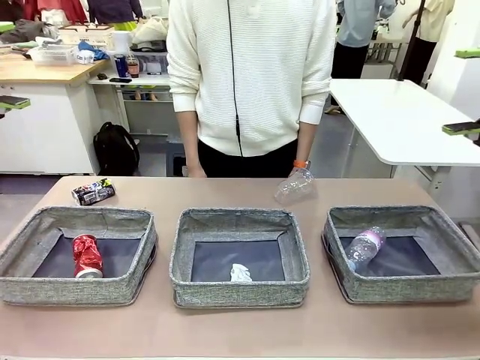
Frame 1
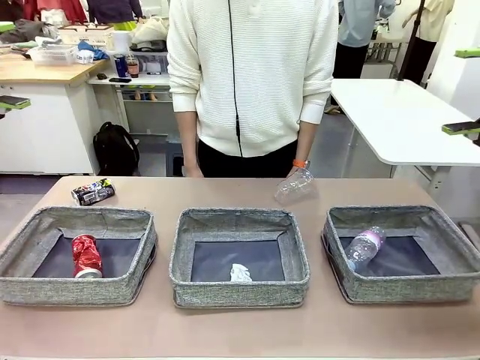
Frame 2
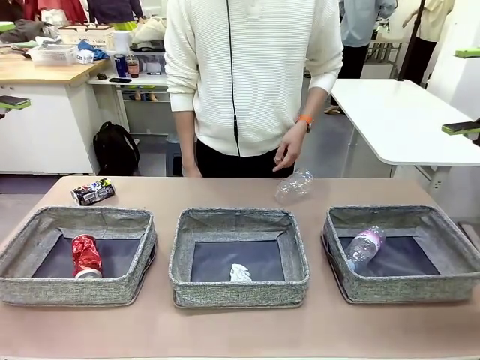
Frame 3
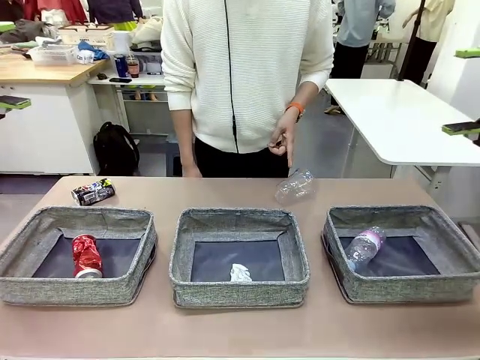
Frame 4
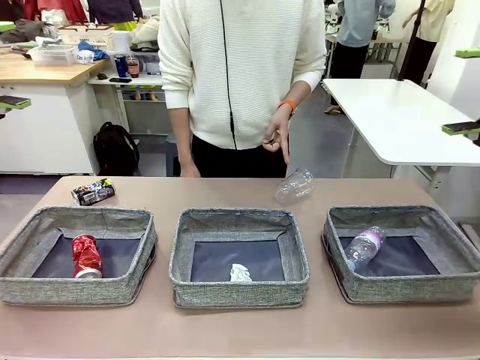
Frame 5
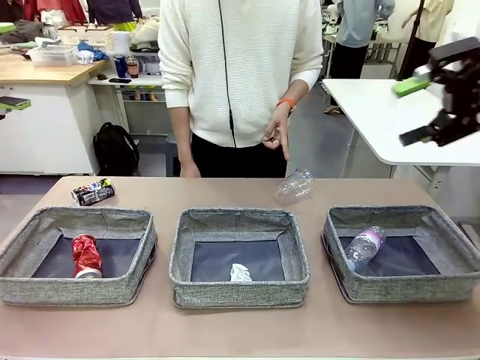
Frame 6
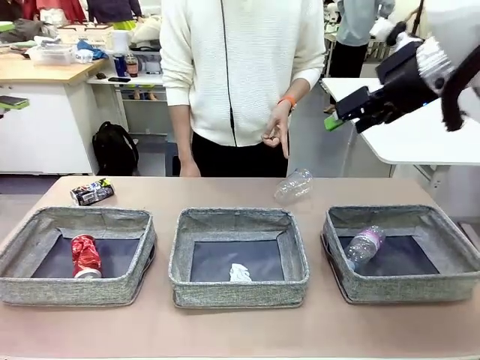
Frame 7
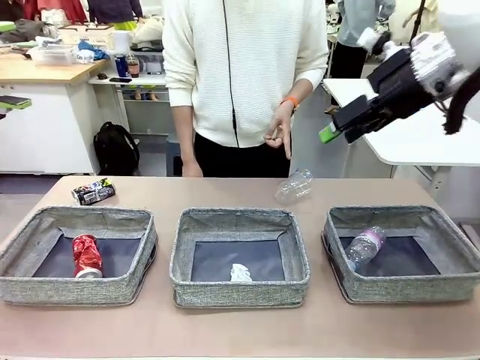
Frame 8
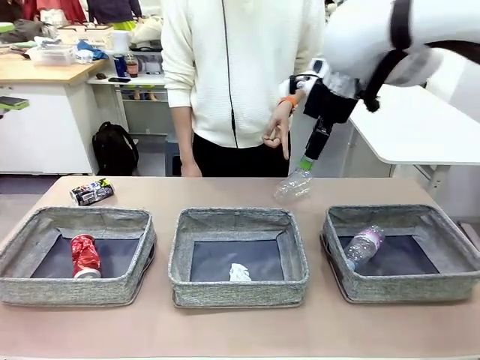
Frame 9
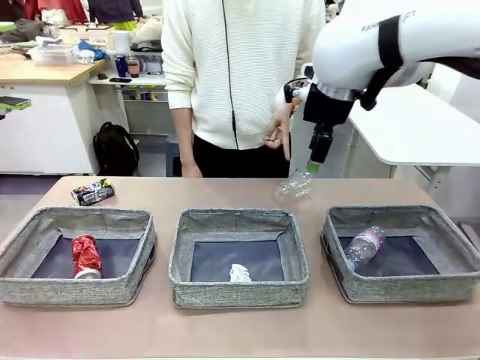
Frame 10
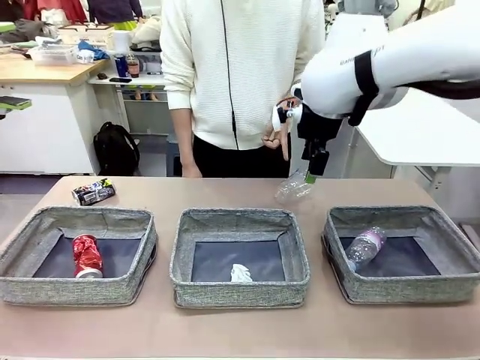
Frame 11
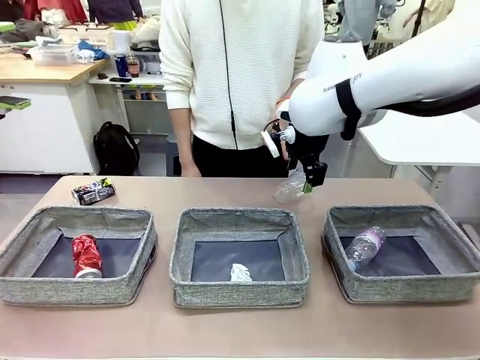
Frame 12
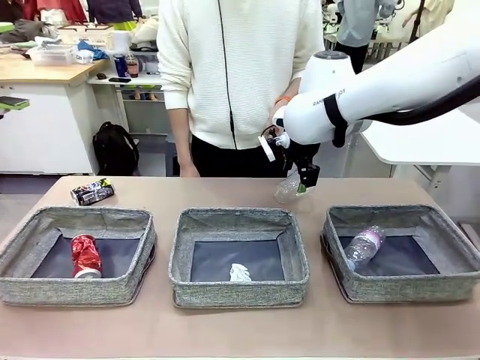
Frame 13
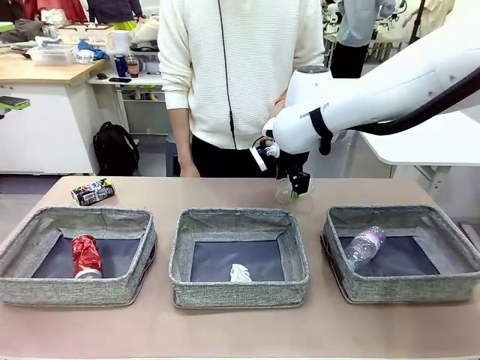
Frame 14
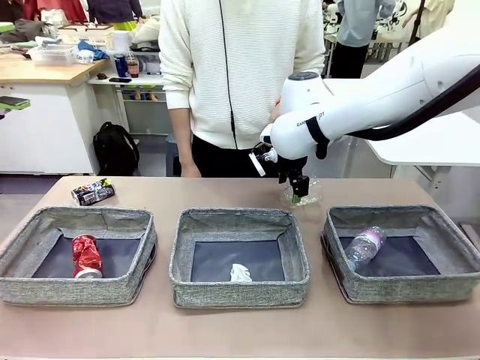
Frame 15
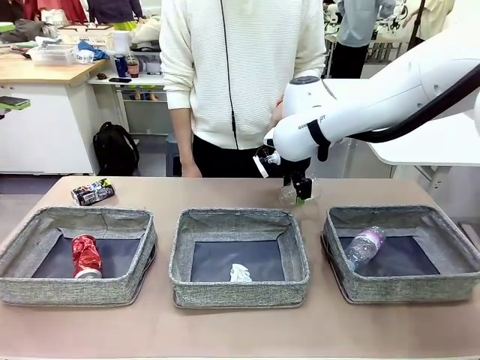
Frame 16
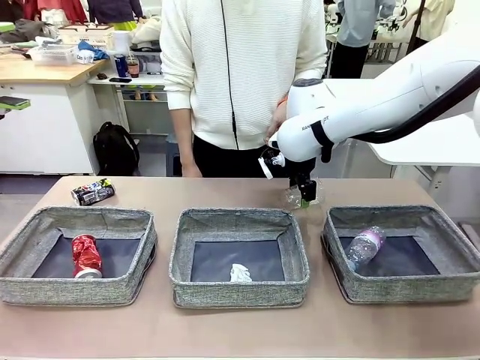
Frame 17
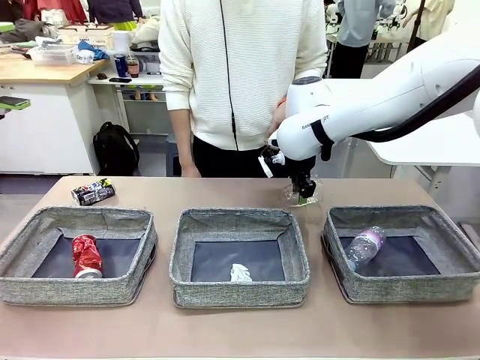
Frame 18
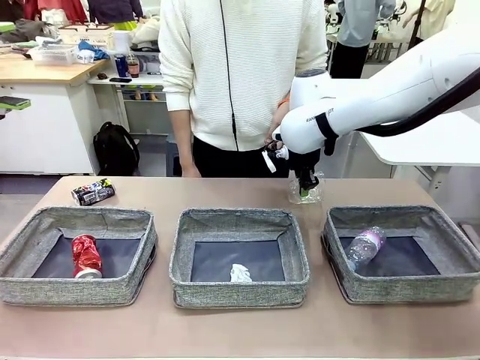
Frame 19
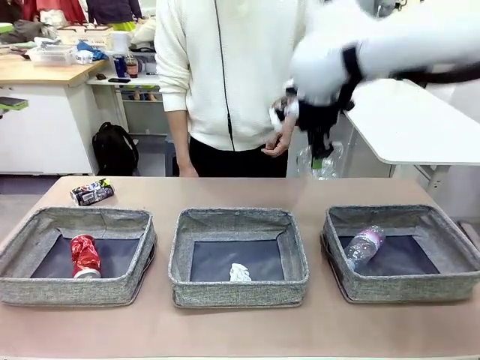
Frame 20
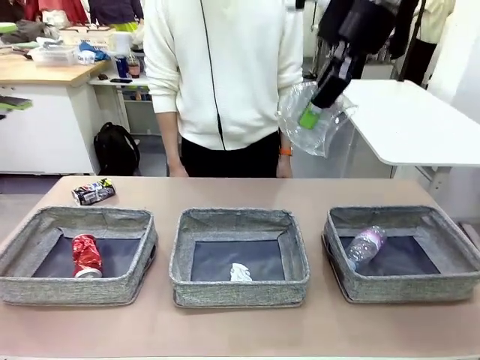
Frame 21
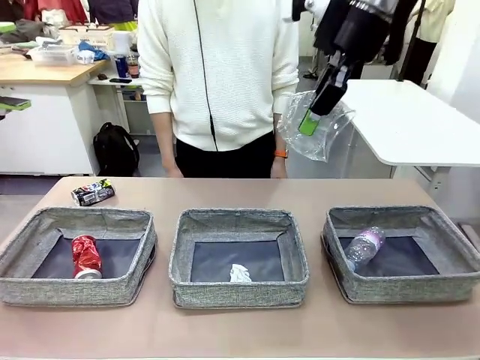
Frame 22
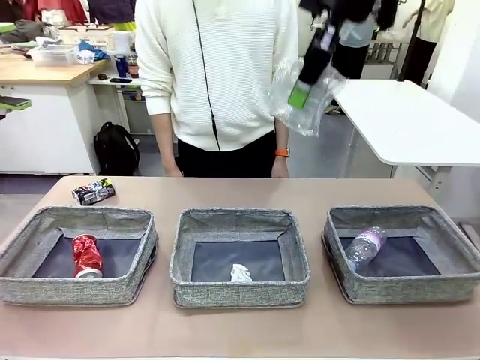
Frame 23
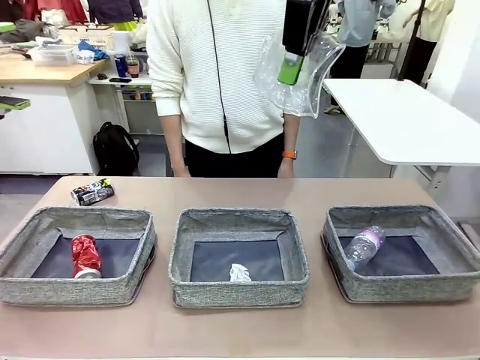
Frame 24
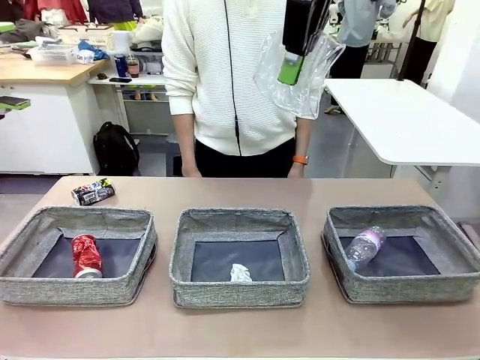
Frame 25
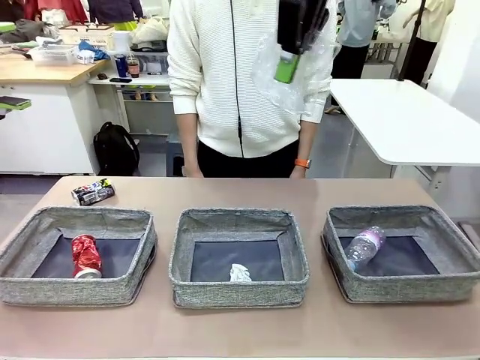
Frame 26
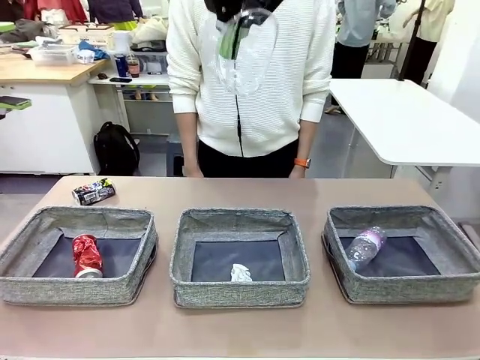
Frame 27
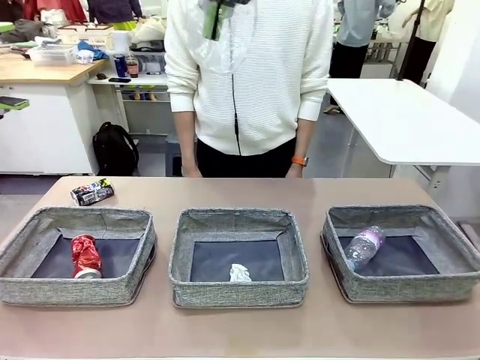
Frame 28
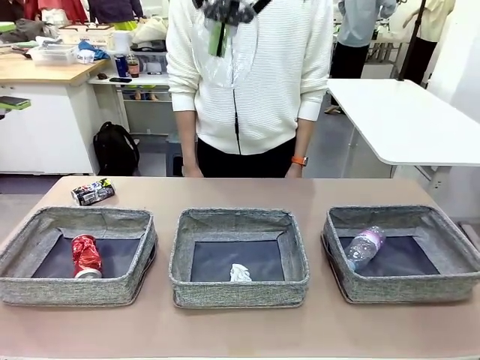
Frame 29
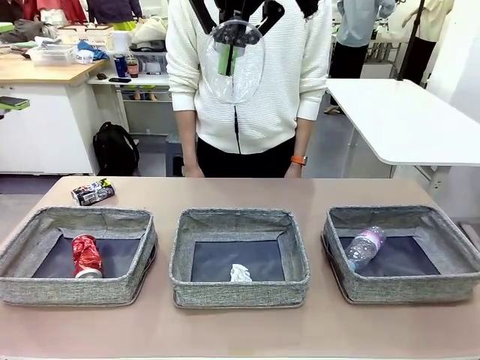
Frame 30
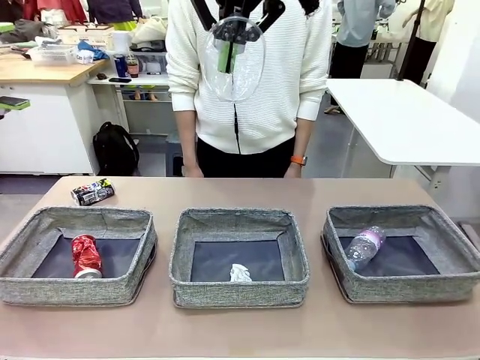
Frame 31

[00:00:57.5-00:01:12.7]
Task: Sort the waste into the appropriate baskets.
Robot: Pick up the waste item pointed out by the person.
Person: Points to one piece of trash on the table.

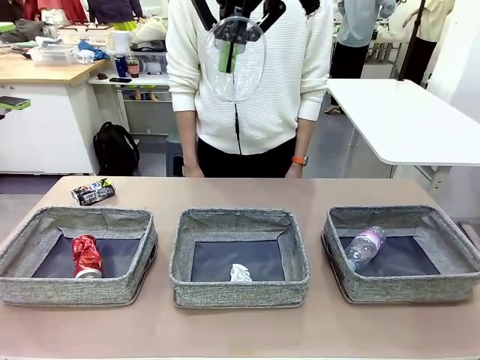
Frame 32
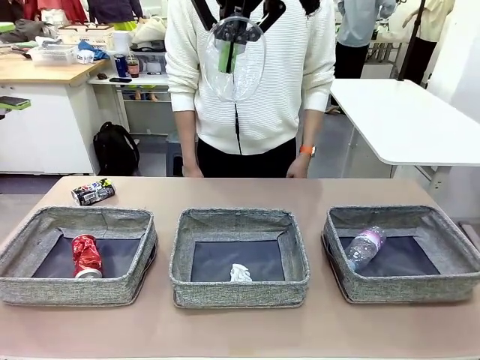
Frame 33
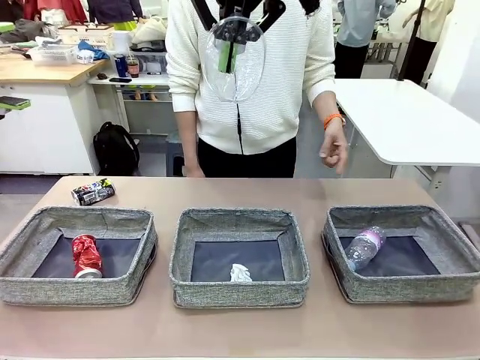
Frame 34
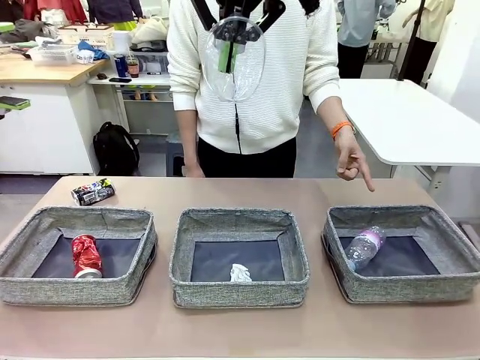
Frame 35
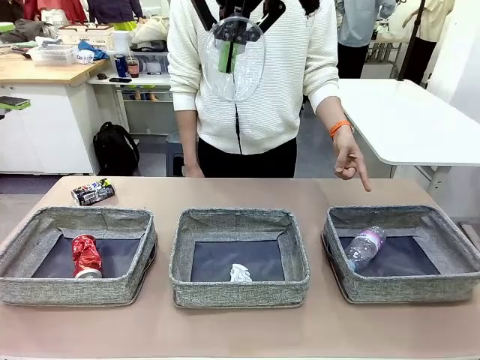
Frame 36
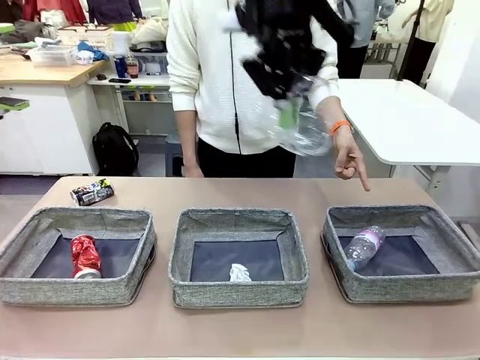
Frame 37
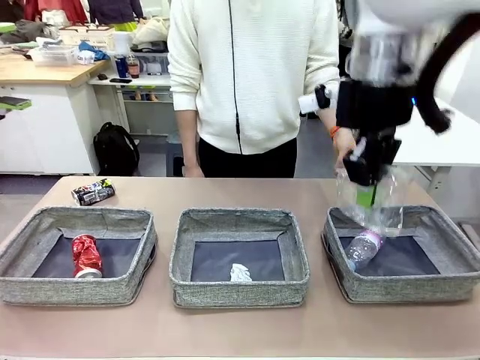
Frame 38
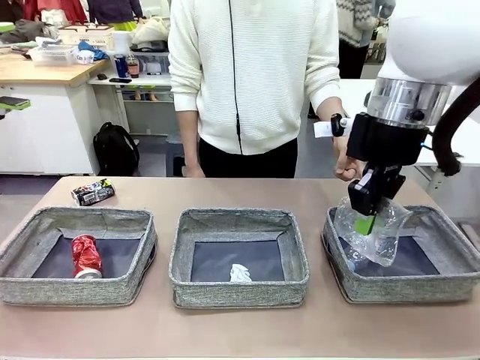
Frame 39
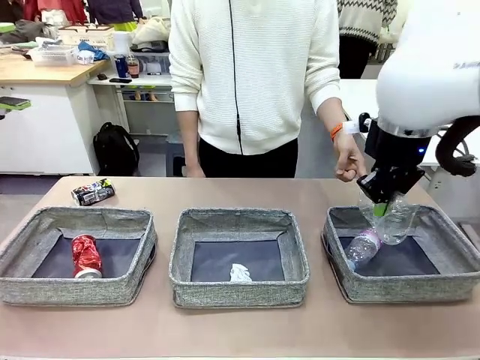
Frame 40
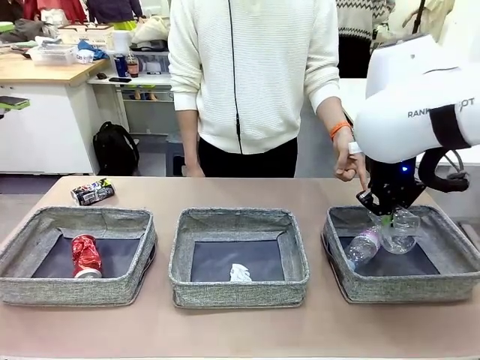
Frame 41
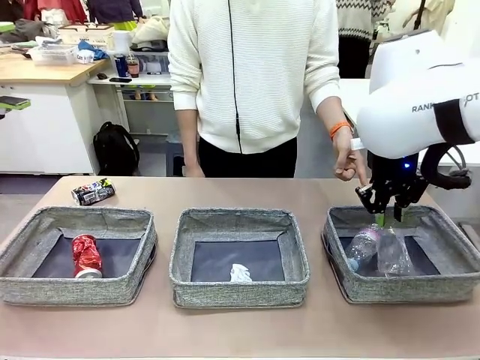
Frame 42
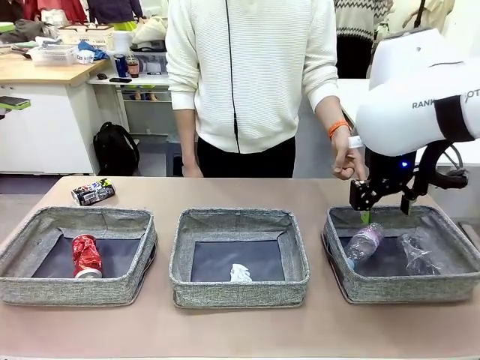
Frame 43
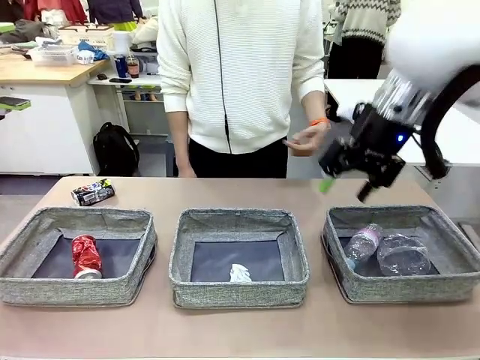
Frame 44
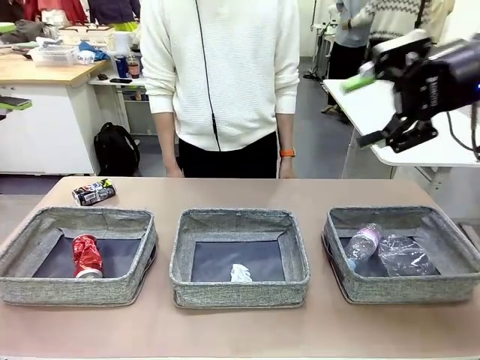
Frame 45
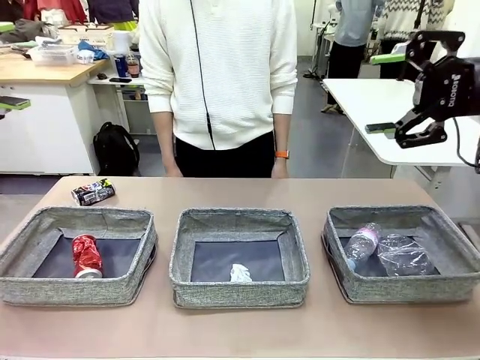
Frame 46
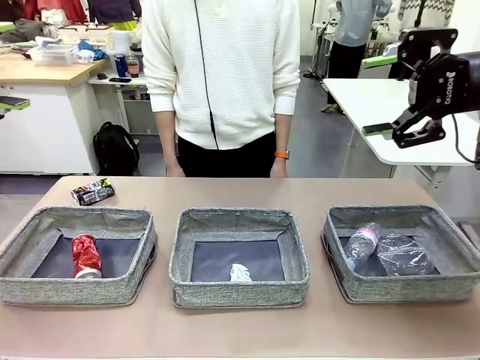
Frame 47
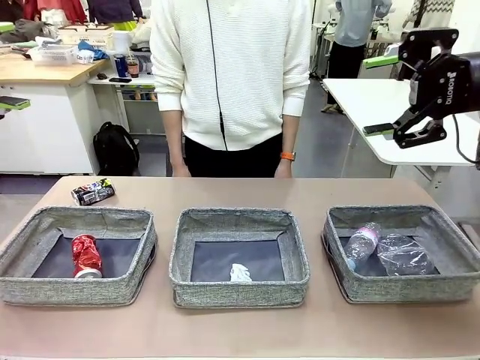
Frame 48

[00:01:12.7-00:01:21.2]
Robot: Place the picked waste into the Fabric basket indicated by the person.
Person: Instructs the robot to place the picked-up trash into the appropriate organizing basket.

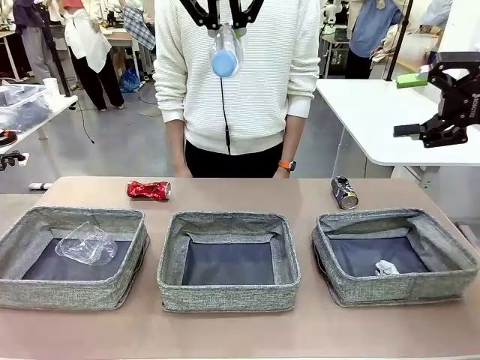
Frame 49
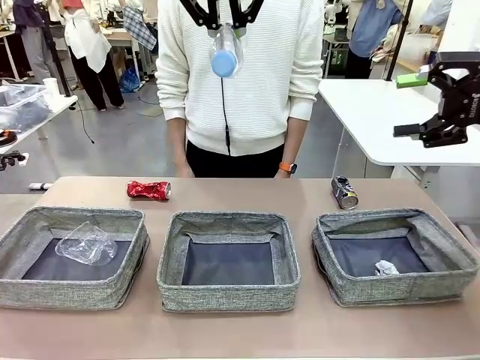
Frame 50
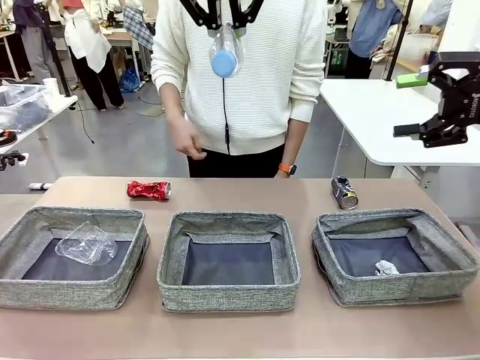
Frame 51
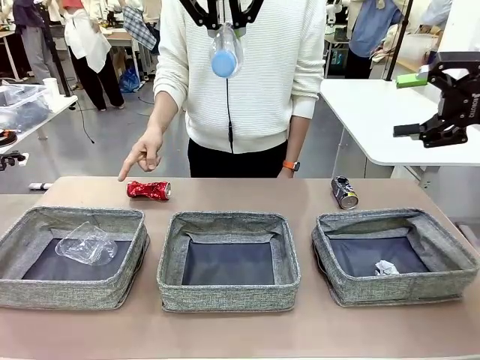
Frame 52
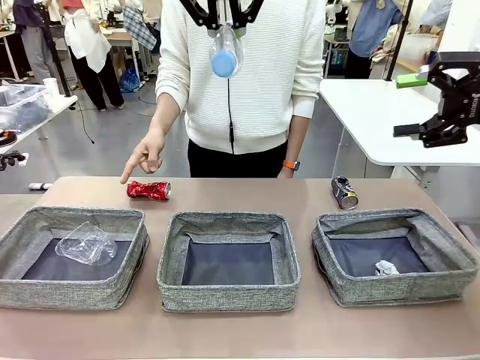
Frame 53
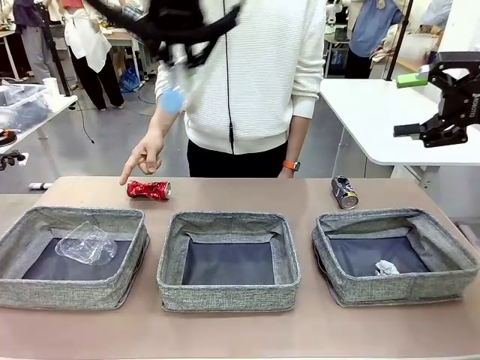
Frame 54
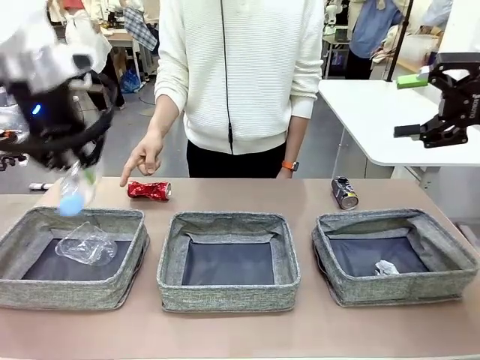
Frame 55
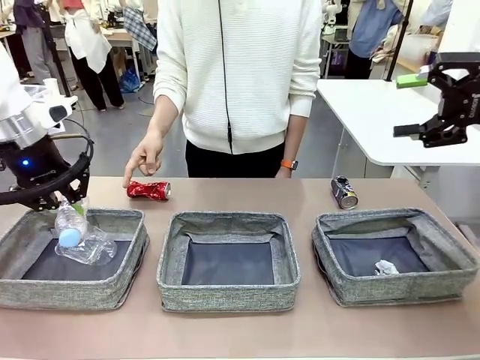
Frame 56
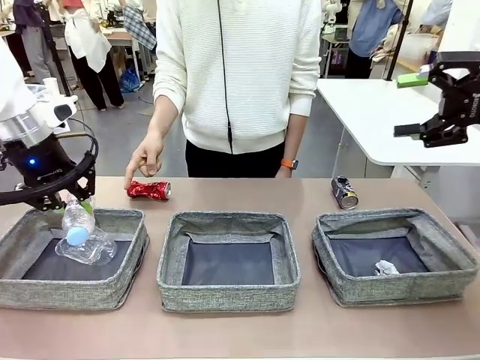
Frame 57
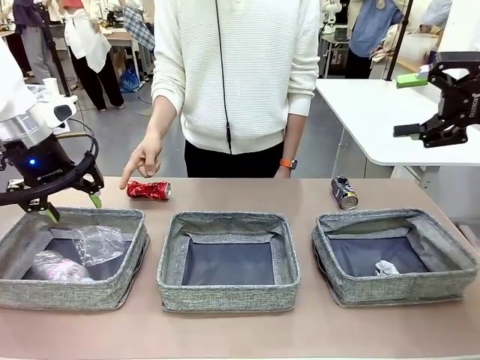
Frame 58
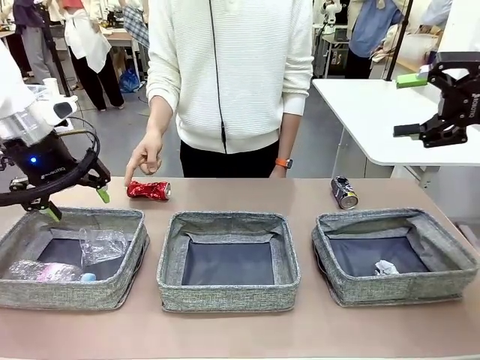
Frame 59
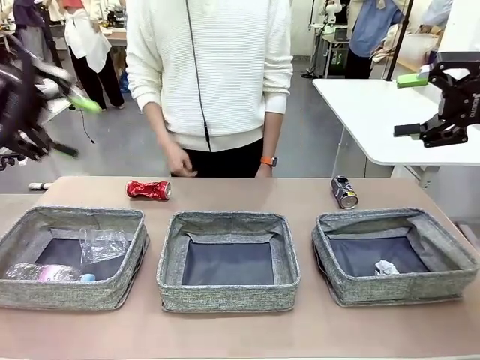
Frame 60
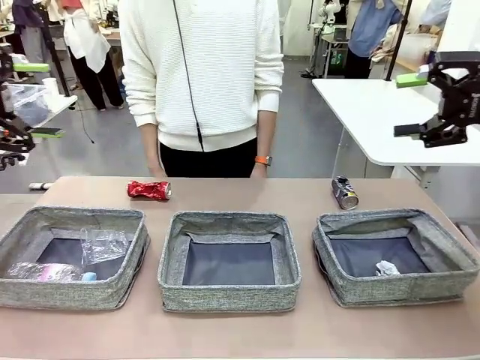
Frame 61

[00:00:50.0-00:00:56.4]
Task: Sort the waste into the appropriate baskets.
Robot: Place the picked waste into the Fabric basket indicated by the person.
Person: Instructs the robot to place the picked-up trash into the appropriate organizing basket.
